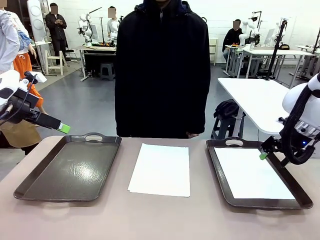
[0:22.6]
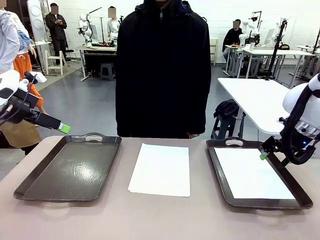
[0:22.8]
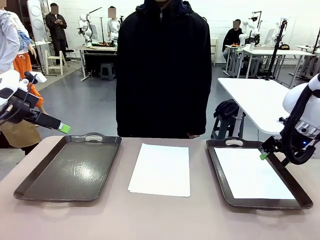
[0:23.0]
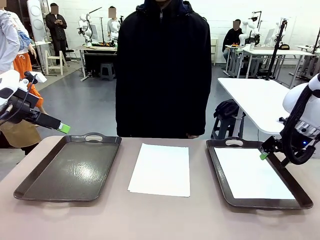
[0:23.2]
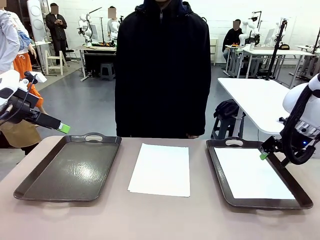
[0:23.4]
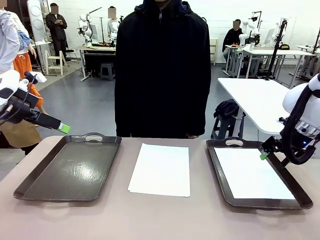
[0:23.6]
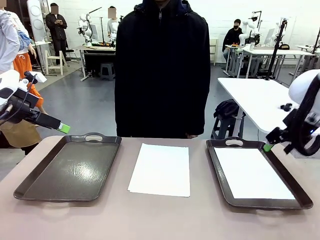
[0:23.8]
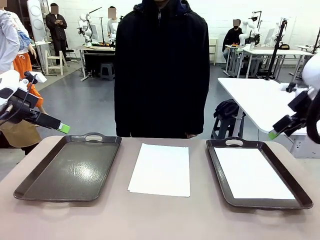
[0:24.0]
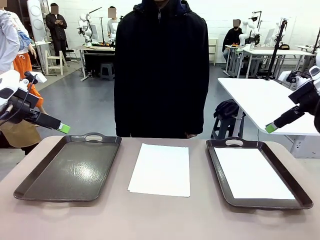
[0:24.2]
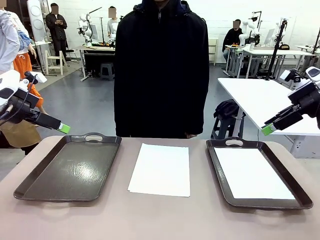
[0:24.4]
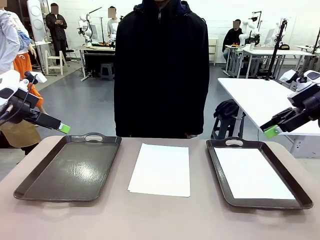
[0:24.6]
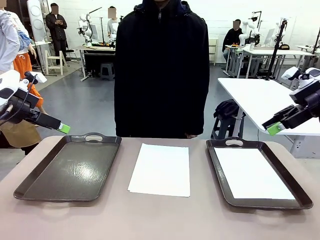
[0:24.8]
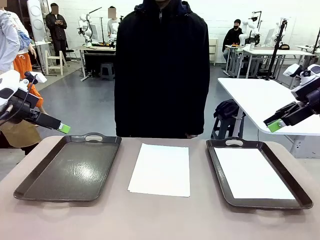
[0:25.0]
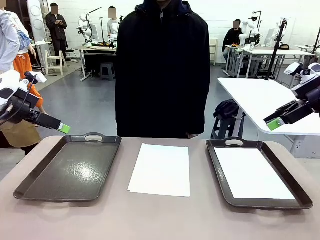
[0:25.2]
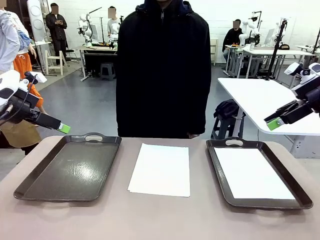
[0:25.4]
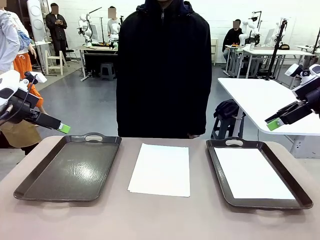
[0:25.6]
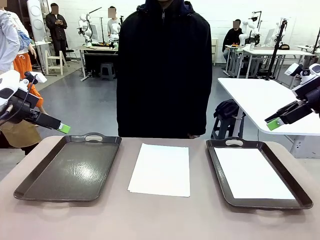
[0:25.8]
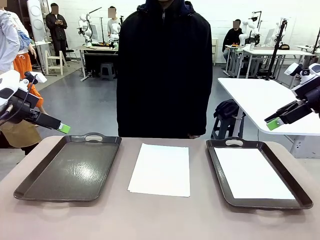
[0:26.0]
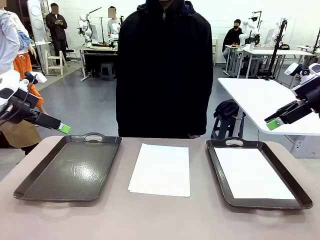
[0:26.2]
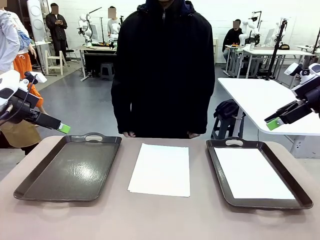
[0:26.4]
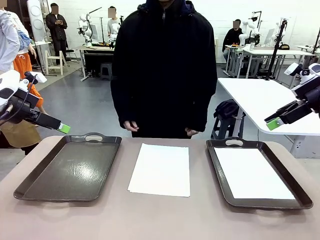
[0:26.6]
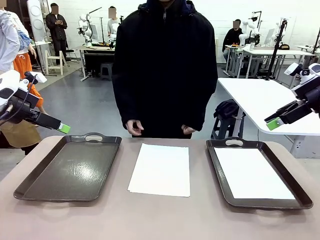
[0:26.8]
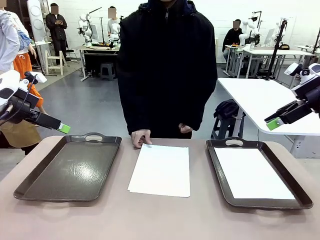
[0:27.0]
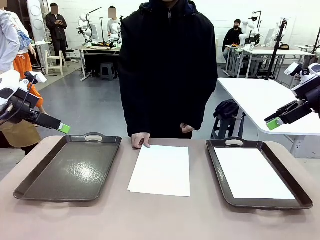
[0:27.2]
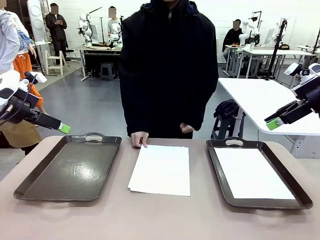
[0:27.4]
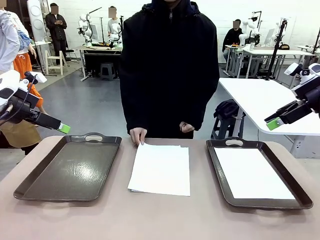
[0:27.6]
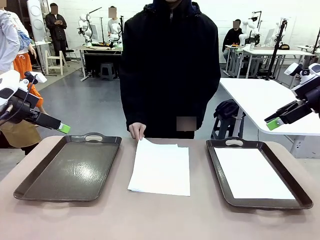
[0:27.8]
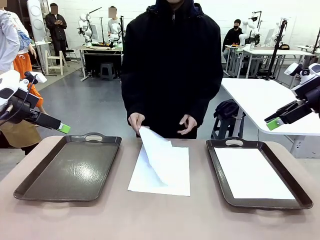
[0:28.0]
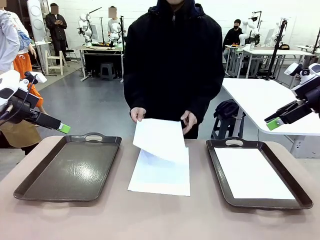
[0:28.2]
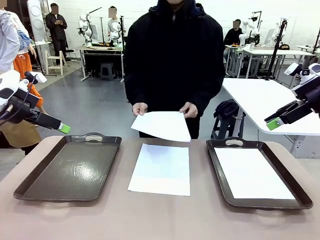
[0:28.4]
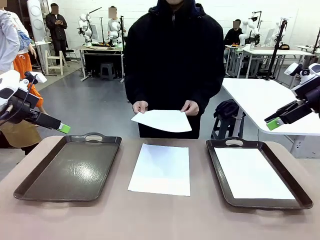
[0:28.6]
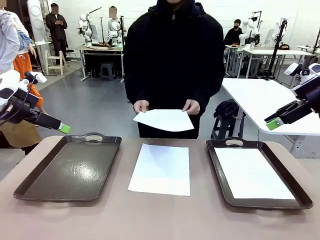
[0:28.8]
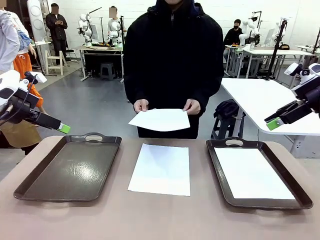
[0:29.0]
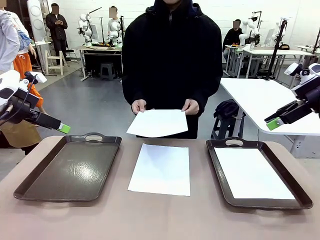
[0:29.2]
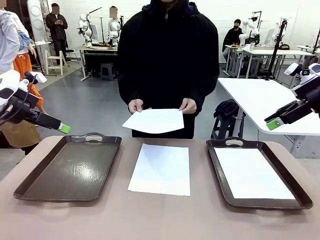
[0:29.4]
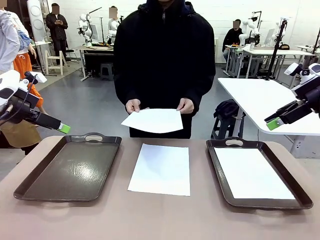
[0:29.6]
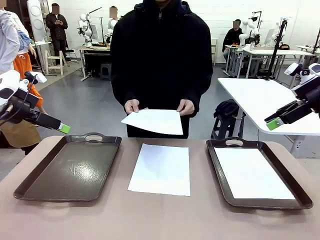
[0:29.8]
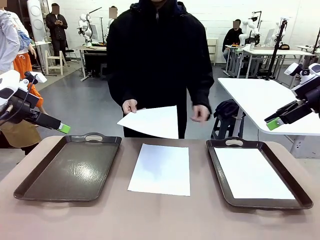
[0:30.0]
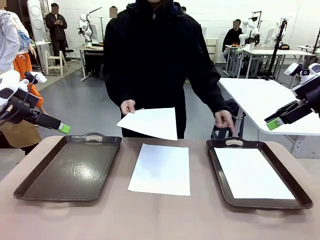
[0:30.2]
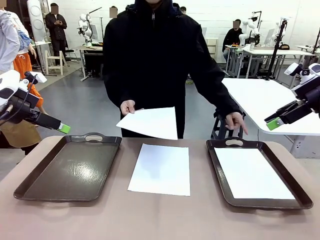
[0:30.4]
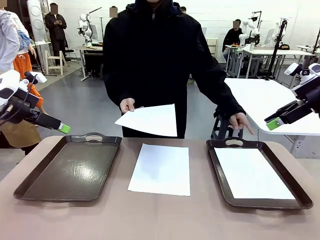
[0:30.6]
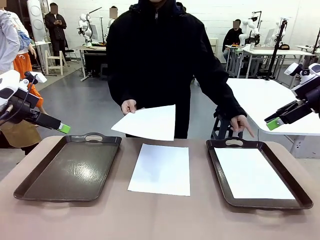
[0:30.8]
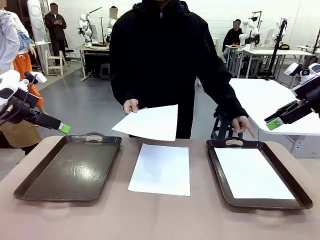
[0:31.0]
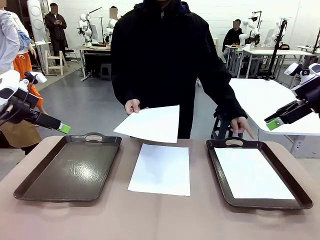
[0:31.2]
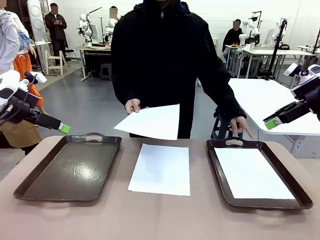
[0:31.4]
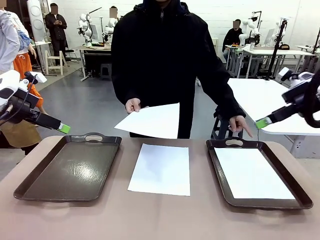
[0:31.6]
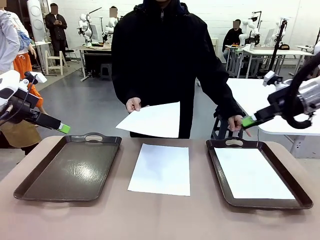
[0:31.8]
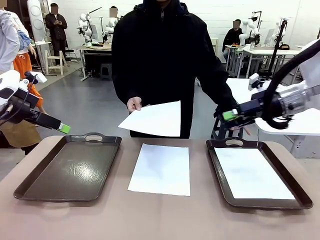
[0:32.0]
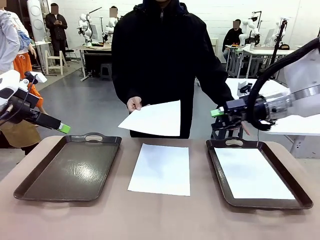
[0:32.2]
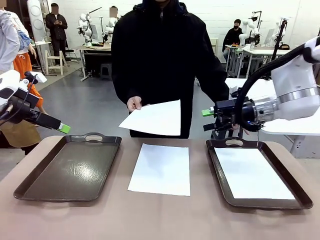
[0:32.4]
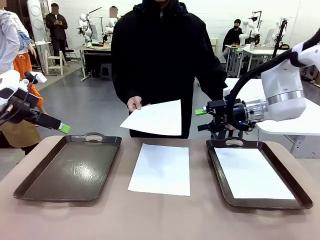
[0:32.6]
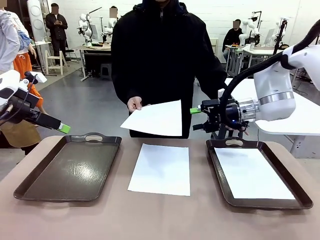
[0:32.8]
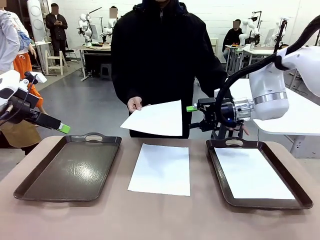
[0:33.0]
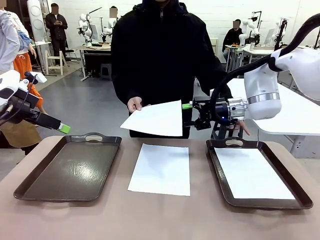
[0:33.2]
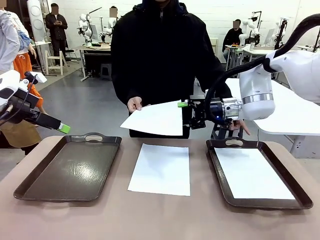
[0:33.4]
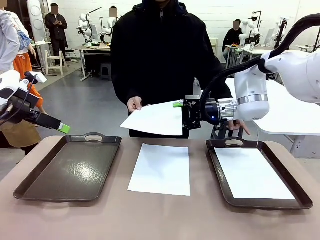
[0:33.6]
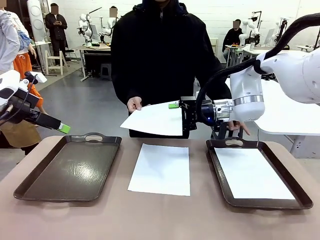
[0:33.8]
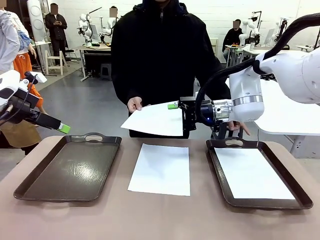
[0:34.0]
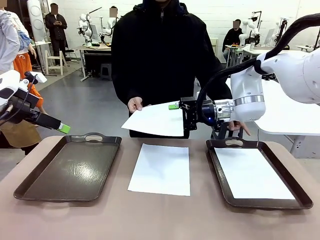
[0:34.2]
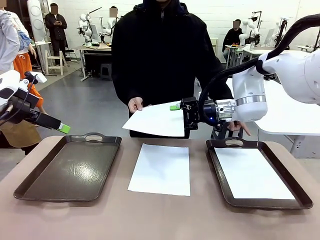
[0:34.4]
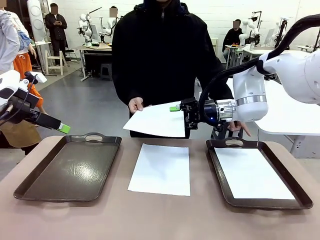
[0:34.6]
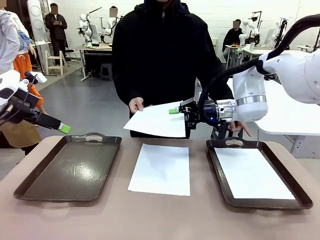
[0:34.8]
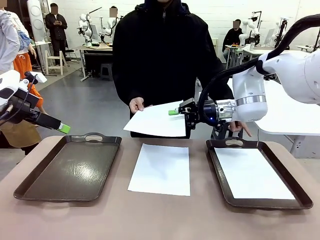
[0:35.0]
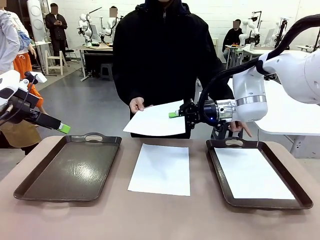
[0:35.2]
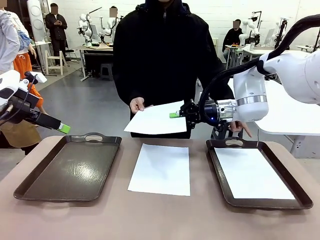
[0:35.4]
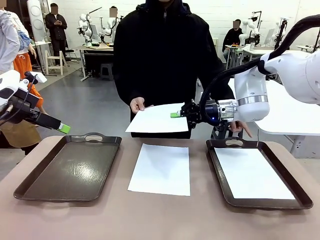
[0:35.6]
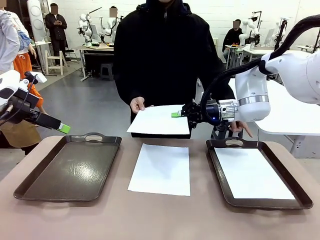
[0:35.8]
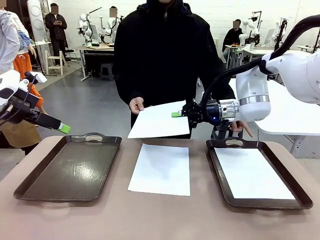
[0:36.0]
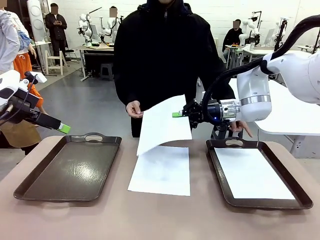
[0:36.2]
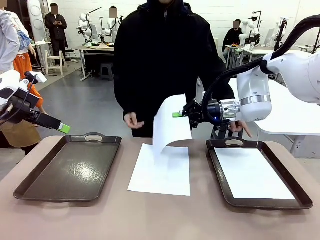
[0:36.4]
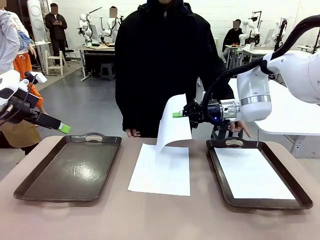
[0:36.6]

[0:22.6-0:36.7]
Task: Sort the A4 documents.
Robot: Receive the A4 Paper.
Person: Point the randomly selected tray with the other hand.

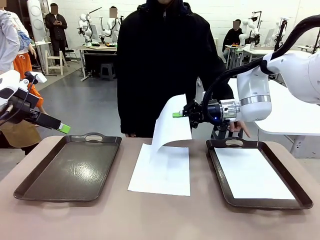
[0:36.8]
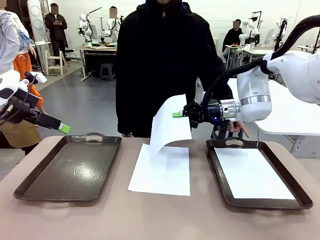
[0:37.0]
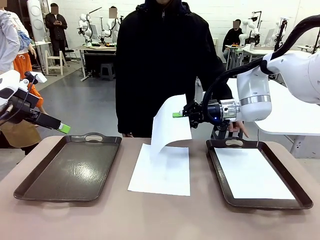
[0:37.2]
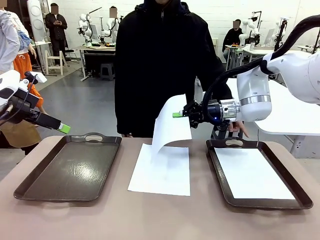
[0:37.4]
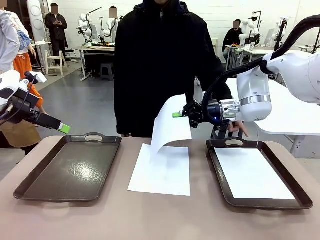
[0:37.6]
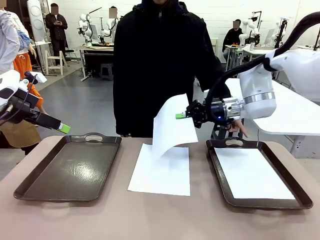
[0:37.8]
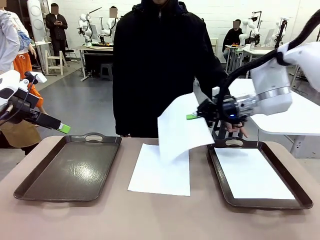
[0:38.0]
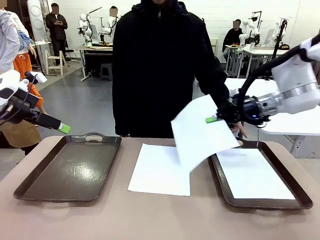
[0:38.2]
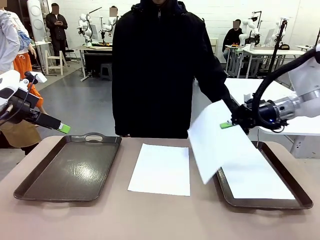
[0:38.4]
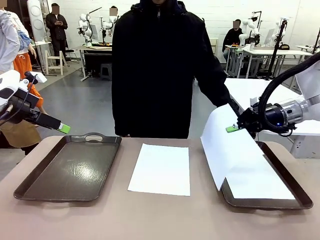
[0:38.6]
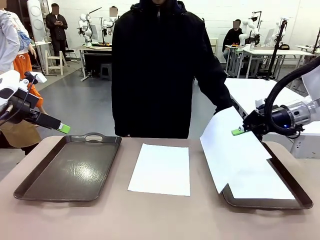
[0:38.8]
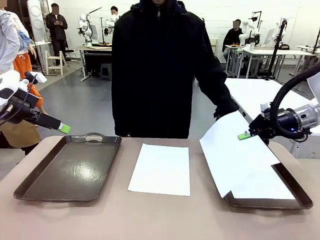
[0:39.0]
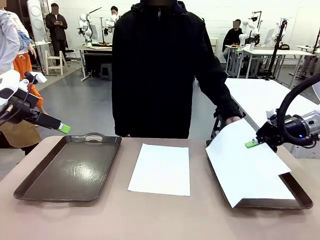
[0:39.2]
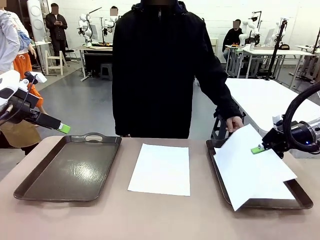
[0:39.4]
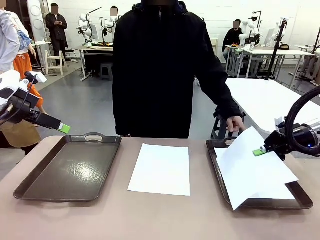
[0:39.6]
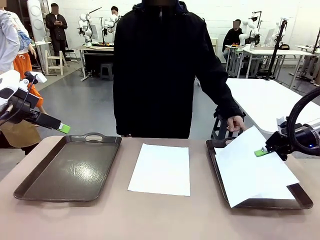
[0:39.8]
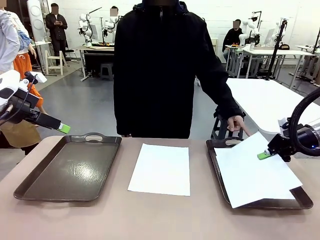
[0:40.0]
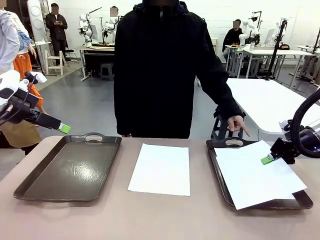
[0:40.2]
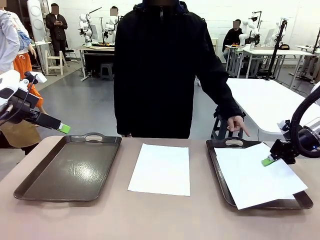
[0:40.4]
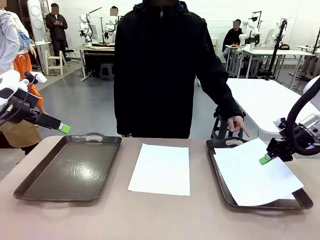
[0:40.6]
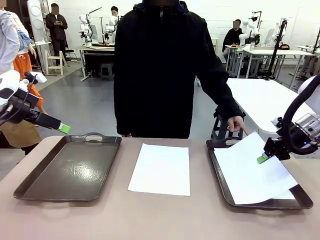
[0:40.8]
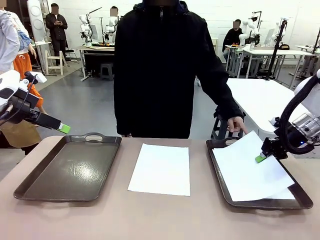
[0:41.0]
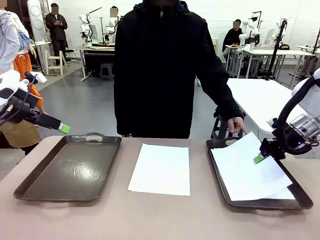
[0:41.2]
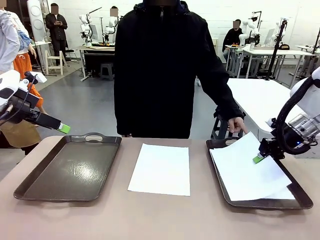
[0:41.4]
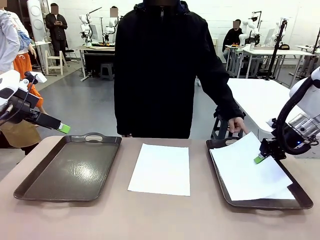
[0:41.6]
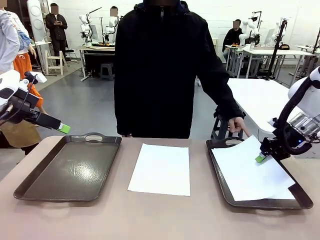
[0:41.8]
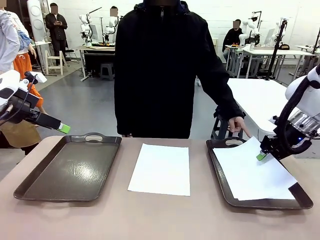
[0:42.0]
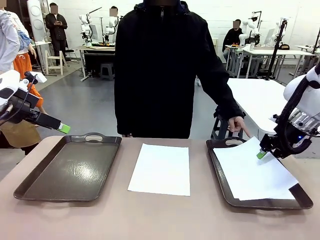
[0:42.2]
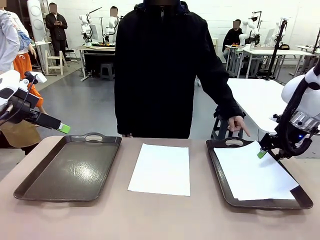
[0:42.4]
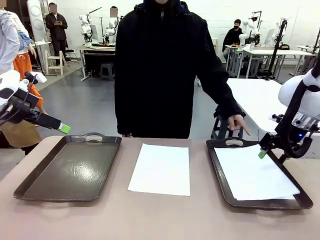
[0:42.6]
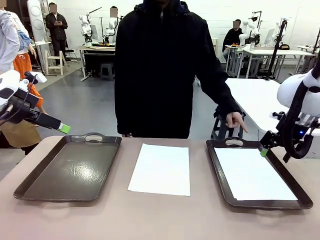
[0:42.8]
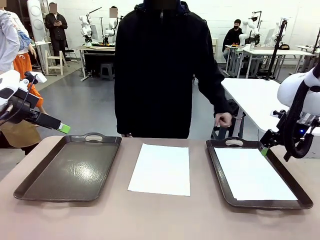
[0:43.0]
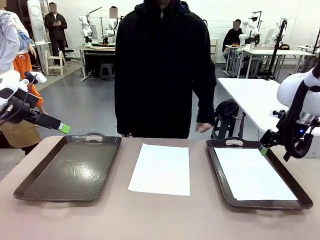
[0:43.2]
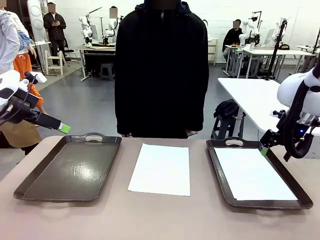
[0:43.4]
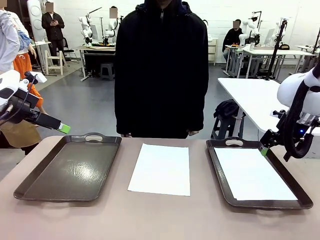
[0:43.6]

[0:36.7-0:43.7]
Robot: Place the A4 Paper in the designated Handle tray.
